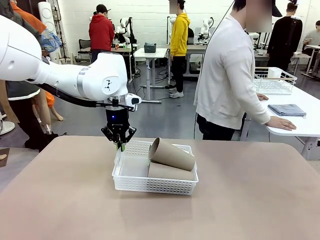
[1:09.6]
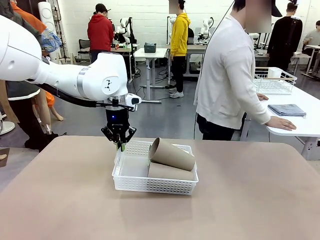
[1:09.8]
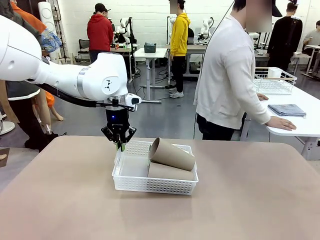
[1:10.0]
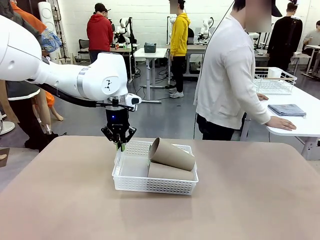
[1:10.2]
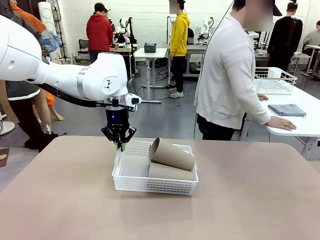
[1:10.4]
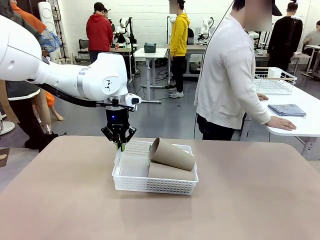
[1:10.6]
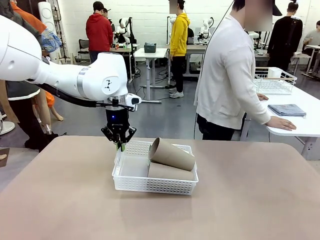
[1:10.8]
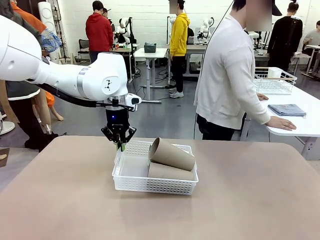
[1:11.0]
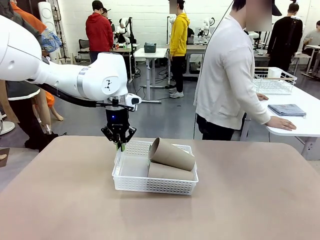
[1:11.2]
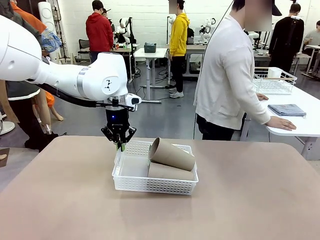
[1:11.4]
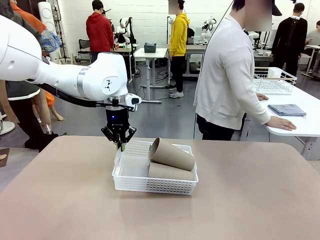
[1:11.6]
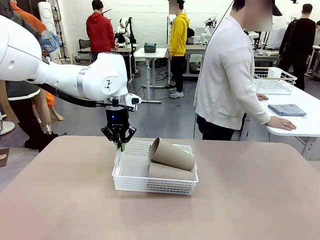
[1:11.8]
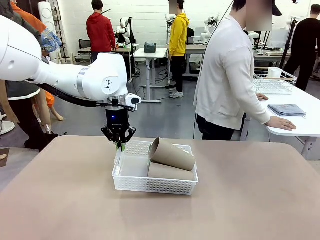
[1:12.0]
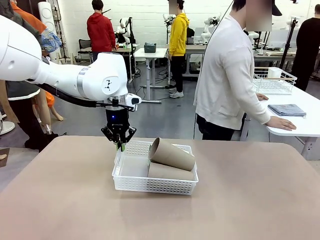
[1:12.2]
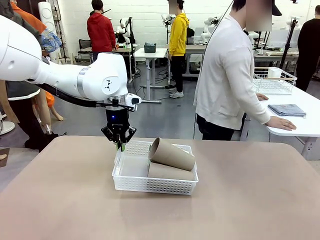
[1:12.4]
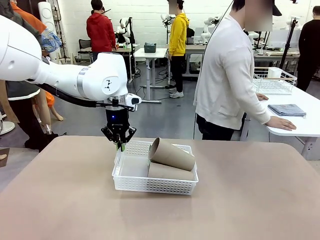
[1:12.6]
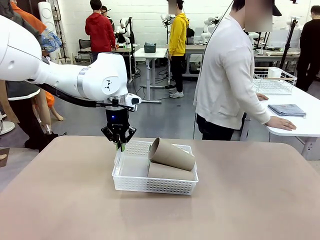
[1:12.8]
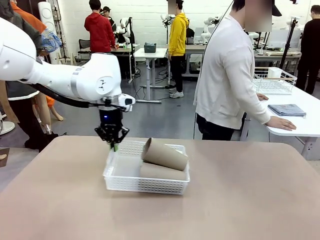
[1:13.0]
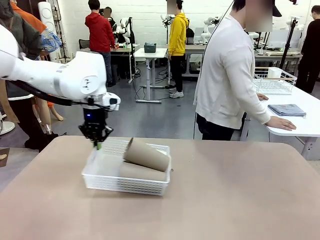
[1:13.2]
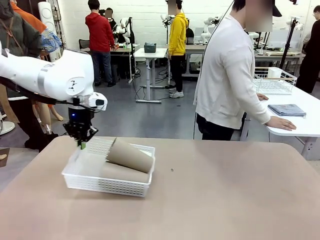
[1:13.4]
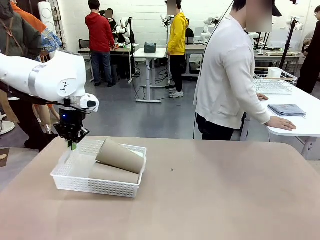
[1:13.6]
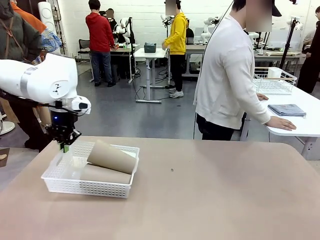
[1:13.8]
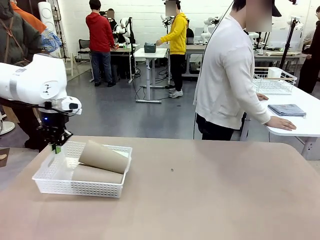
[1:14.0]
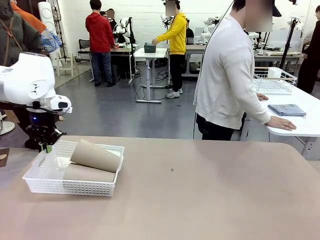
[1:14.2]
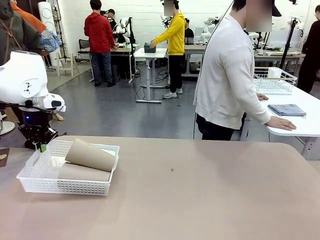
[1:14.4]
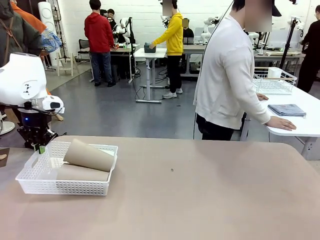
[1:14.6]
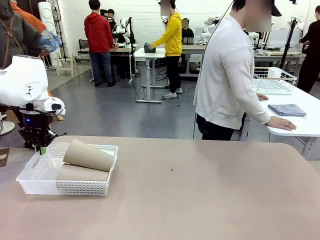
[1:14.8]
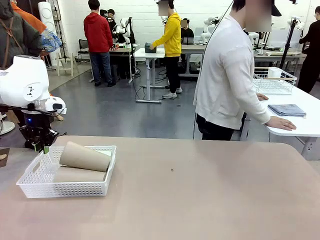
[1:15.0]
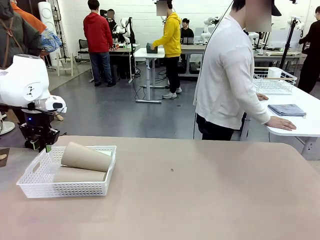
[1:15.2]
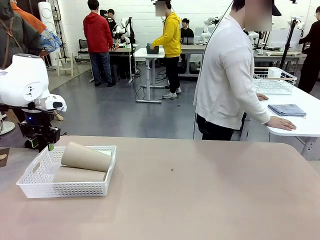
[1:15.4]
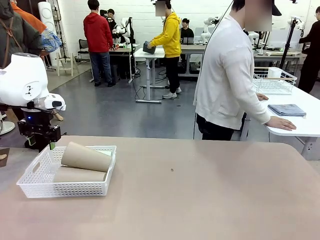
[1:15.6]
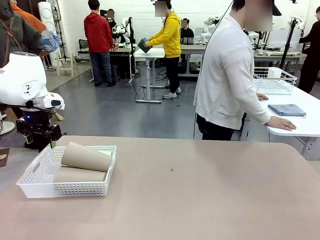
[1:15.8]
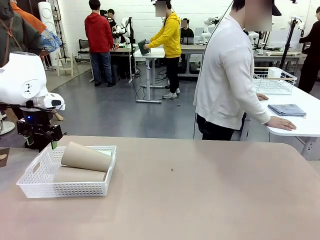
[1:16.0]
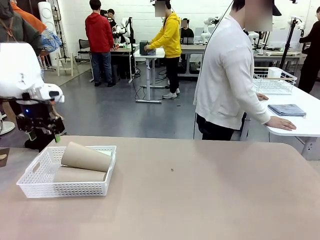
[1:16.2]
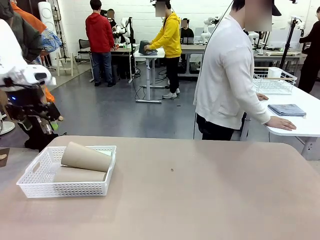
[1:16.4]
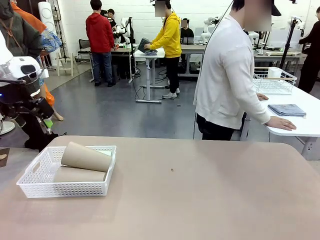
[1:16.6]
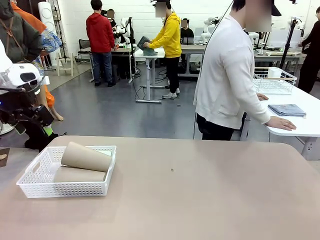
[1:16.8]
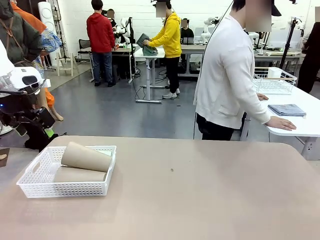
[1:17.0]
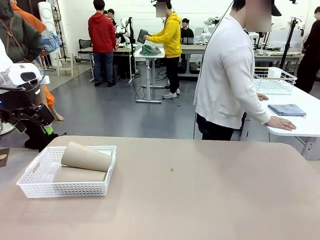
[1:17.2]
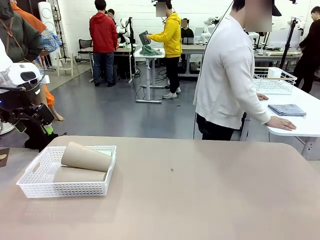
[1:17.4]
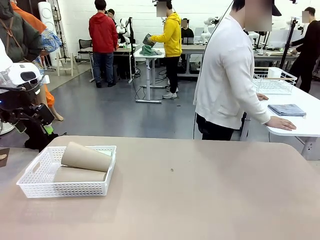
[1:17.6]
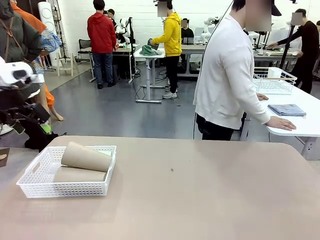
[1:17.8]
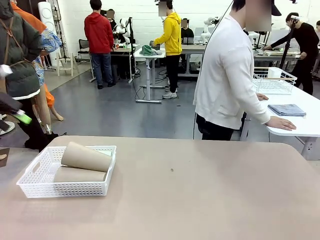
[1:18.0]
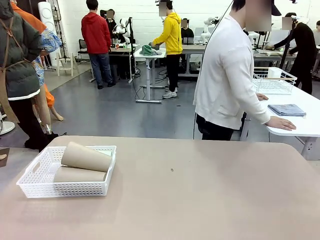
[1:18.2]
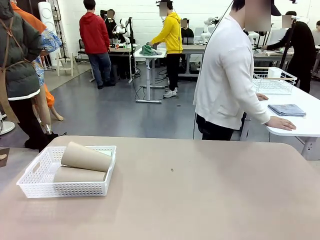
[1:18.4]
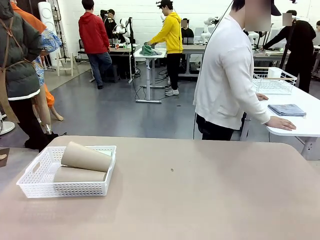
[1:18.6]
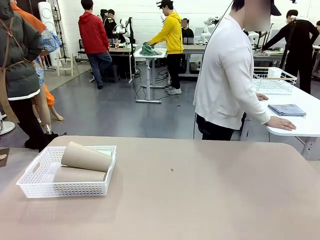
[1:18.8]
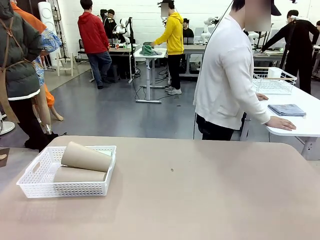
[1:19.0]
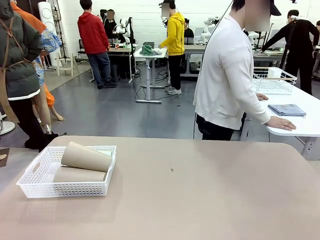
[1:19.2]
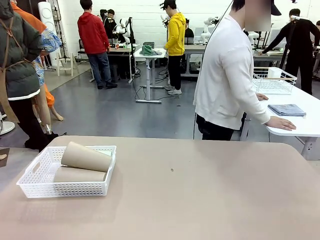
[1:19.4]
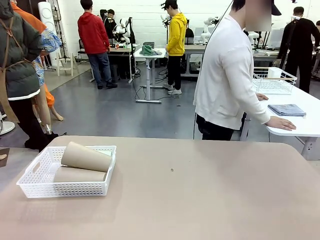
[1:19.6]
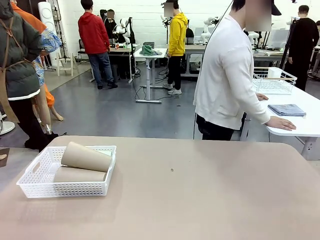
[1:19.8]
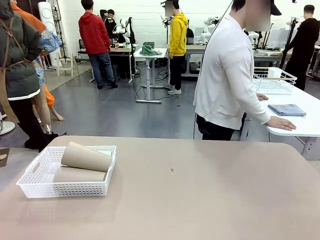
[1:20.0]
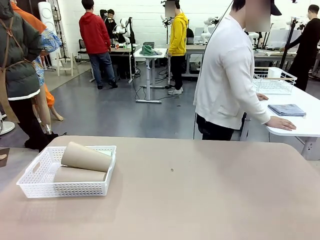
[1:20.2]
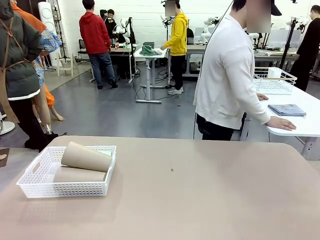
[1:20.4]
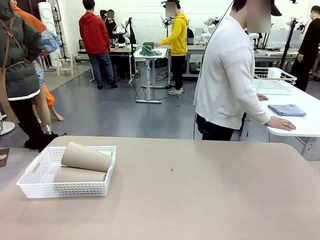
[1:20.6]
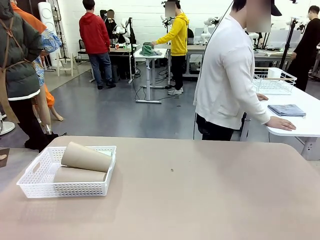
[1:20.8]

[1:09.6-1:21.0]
Task: Clean and organize the cups into the basket.
Robot: Move the Organizing basket back to the left side of the table.

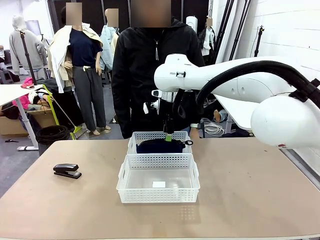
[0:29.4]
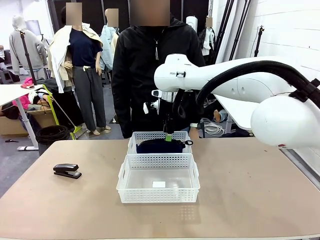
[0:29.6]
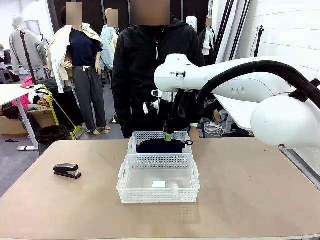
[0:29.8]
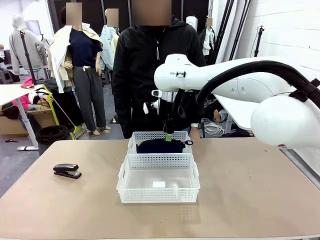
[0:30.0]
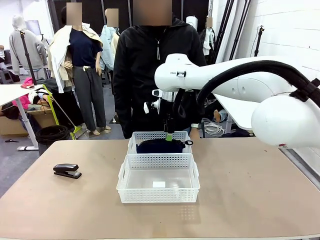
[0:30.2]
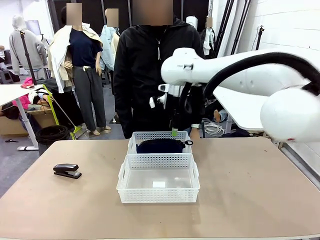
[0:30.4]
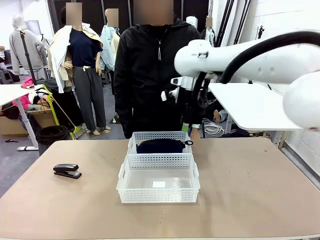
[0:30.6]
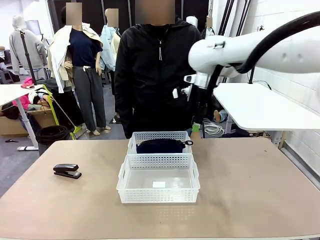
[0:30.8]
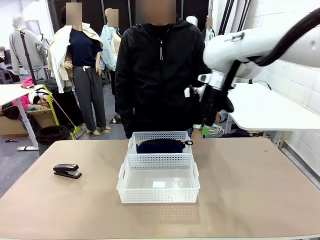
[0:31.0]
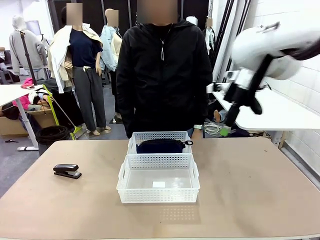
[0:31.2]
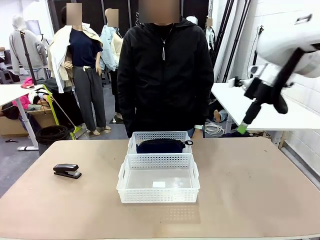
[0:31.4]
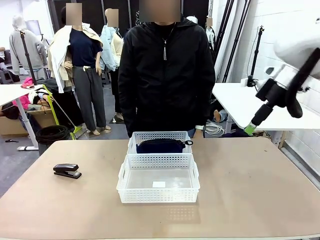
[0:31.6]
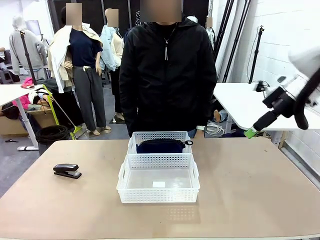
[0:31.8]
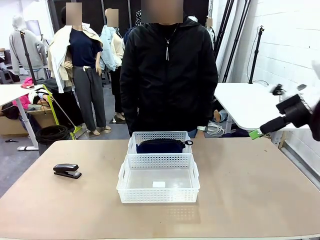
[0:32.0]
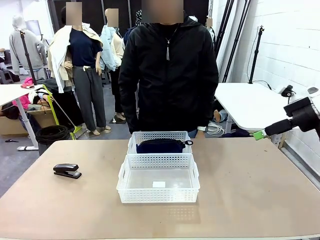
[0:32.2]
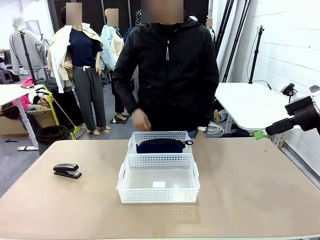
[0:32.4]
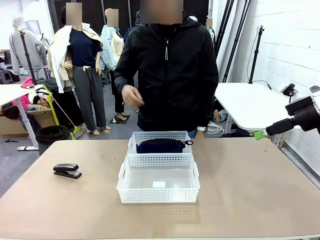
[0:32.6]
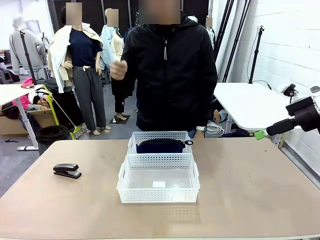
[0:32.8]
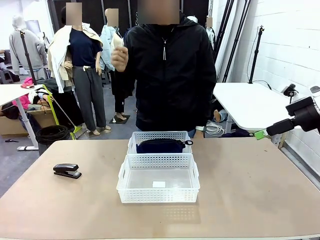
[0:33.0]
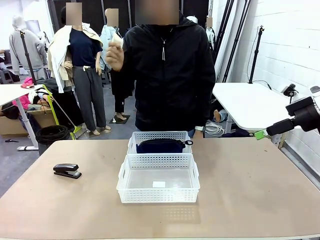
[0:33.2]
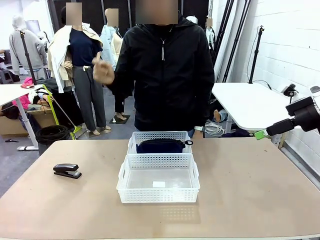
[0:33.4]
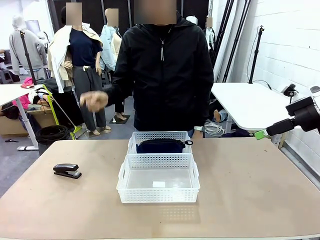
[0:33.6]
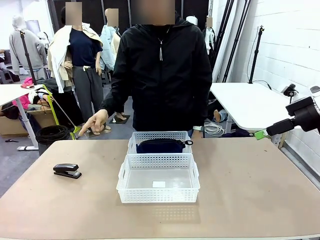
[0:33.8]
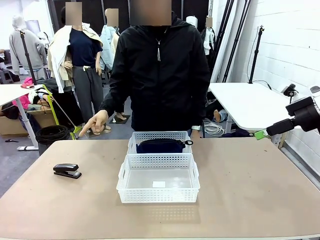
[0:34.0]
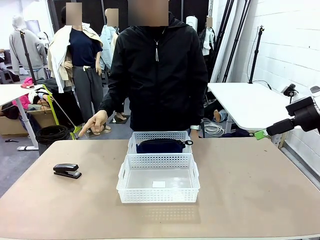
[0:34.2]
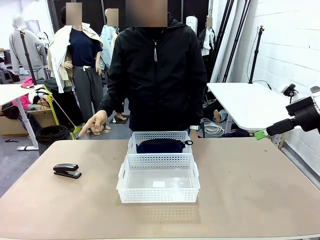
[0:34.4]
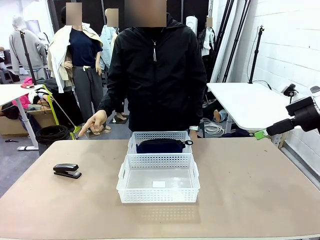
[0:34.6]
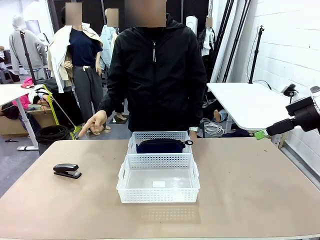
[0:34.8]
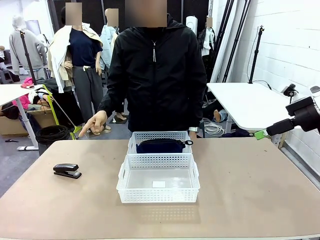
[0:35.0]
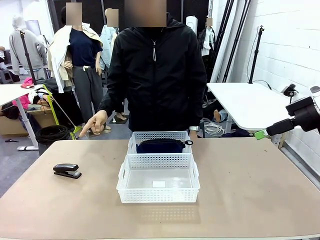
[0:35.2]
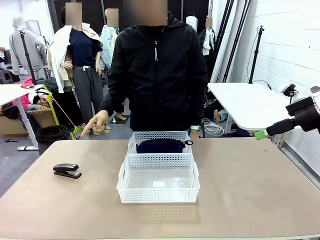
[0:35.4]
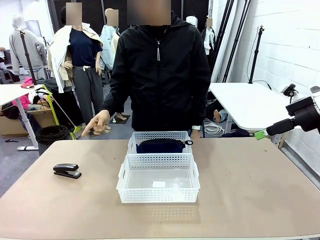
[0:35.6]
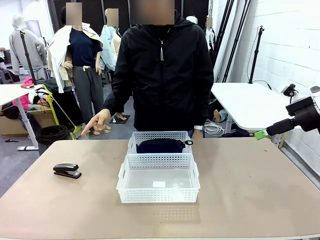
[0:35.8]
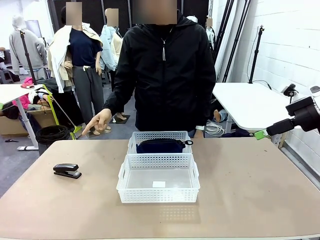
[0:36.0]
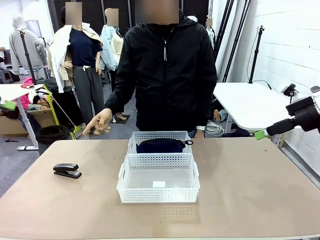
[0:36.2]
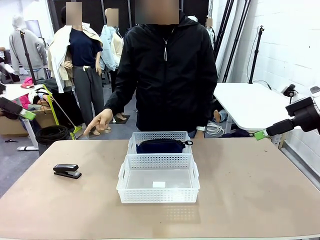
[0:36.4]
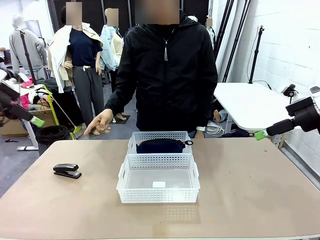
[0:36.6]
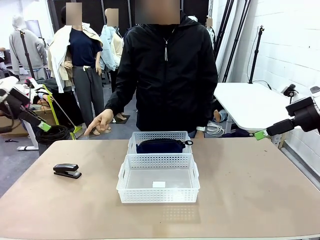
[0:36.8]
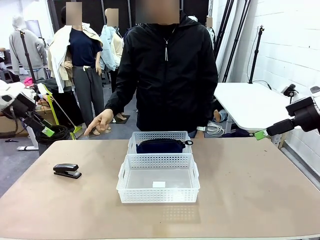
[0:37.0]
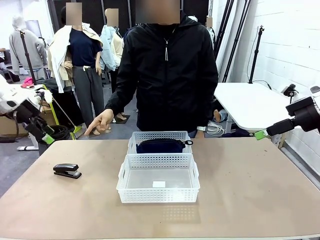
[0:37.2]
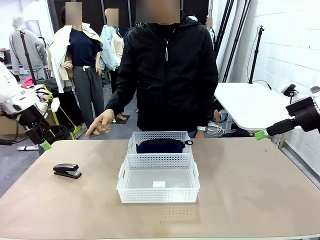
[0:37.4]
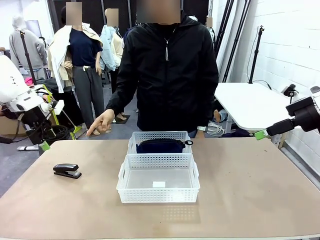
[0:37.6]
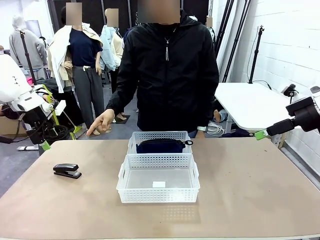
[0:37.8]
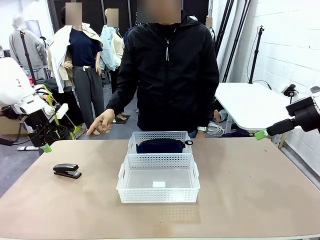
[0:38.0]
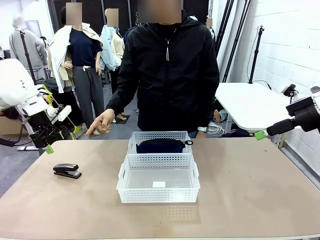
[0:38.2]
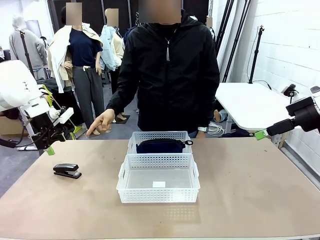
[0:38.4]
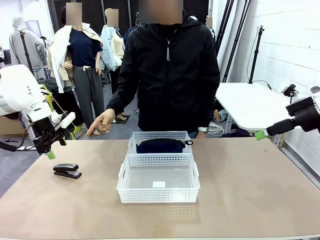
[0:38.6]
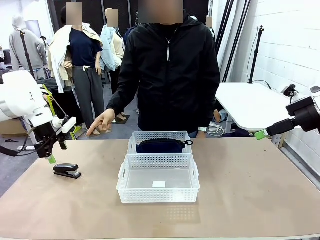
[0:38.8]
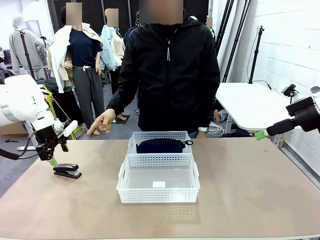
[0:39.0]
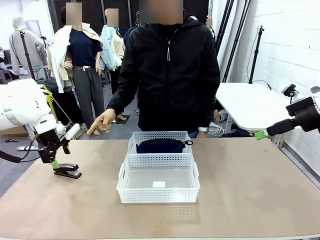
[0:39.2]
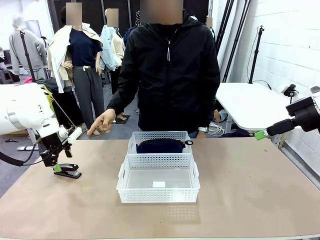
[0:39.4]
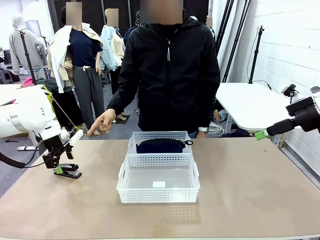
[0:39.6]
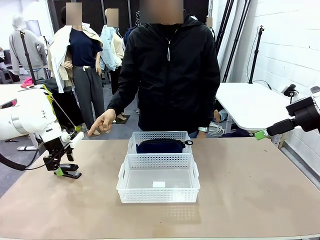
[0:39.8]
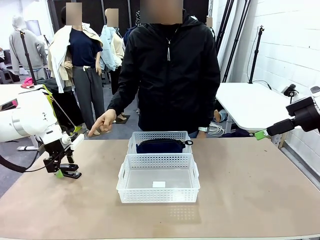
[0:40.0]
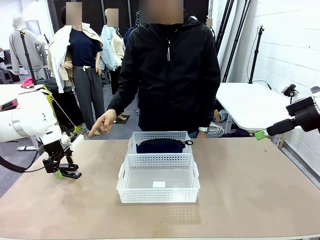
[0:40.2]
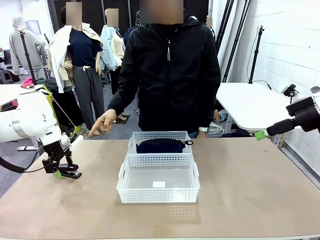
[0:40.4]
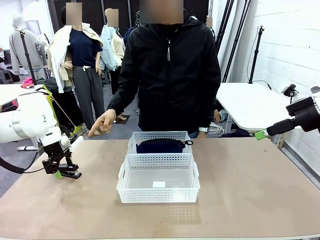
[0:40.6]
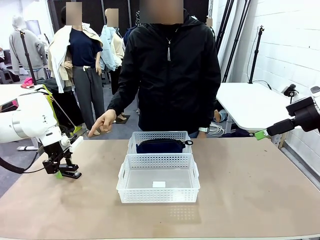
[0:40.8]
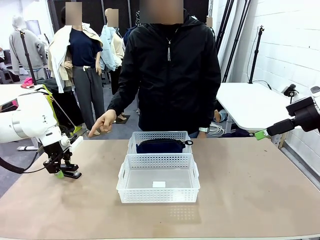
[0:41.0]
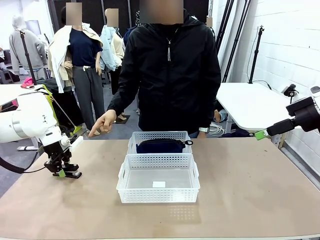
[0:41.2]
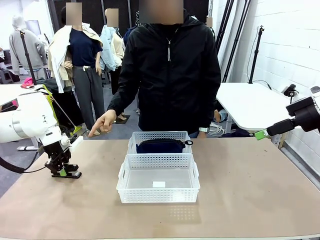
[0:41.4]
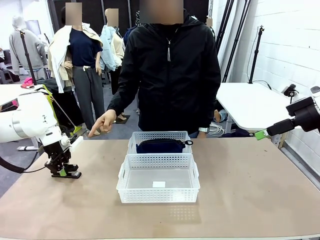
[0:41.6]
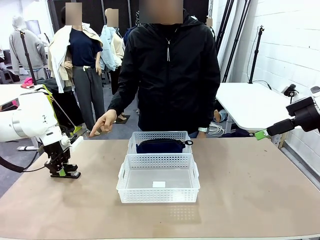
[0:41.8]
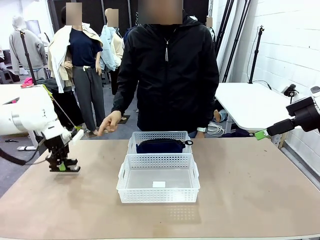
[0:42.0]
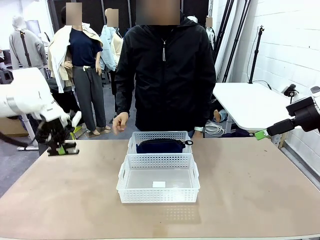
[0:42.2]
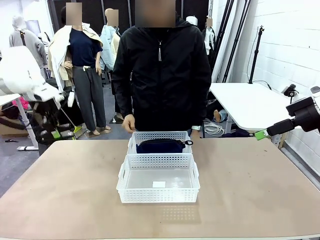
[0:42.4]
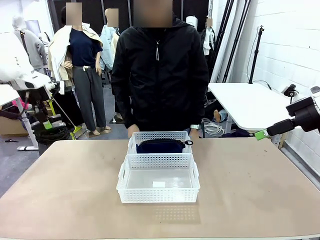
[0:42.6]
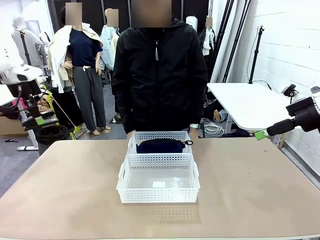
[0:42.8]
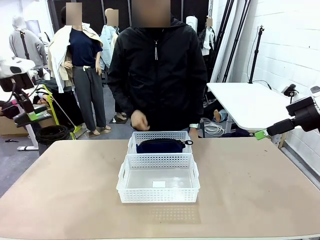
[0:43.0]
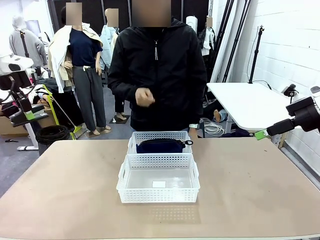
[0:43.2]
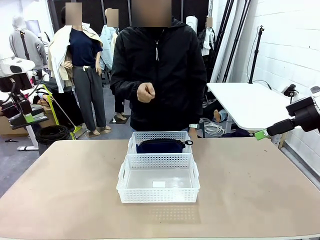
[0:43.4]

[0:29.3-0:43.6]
Task: Distribute items into two baskets.
Robot: Pick up the Stapler that the person points to.
Person: Points to the stapler.
